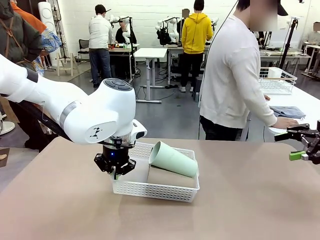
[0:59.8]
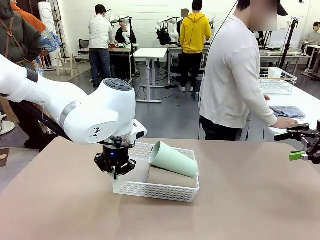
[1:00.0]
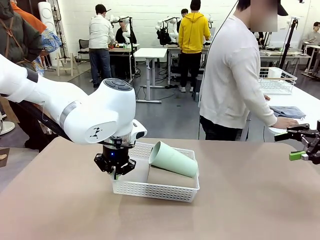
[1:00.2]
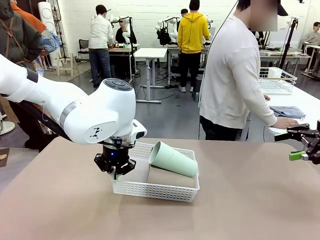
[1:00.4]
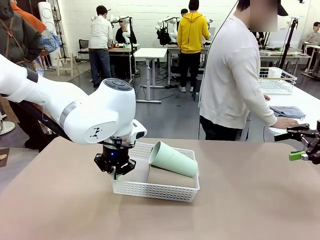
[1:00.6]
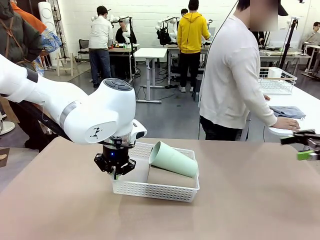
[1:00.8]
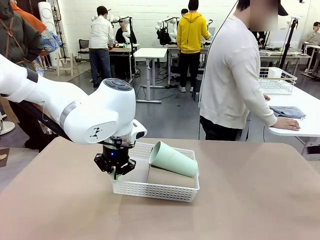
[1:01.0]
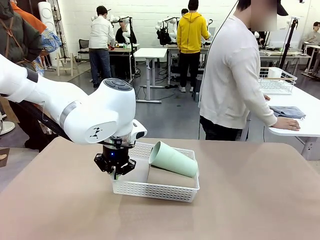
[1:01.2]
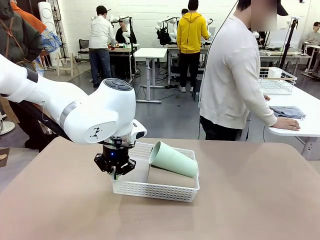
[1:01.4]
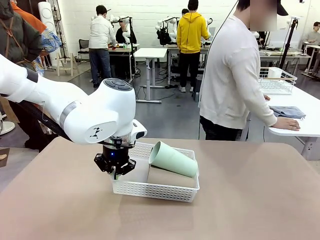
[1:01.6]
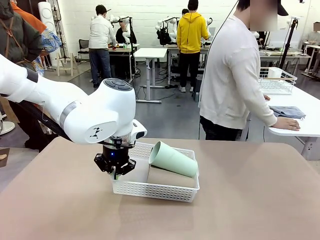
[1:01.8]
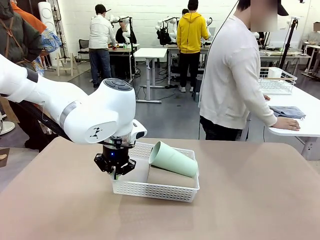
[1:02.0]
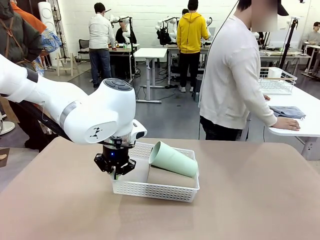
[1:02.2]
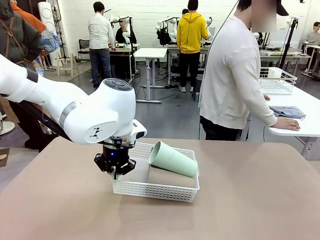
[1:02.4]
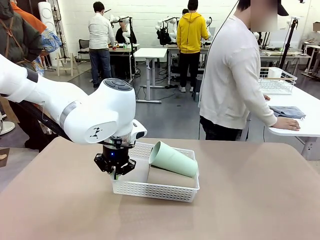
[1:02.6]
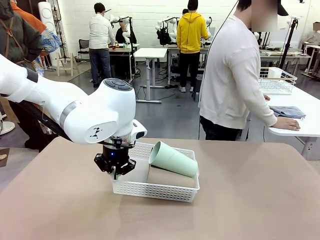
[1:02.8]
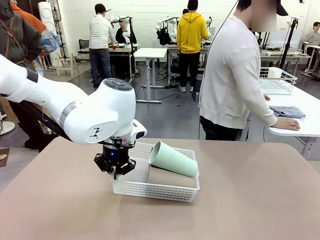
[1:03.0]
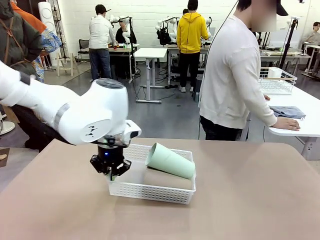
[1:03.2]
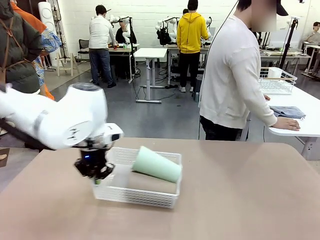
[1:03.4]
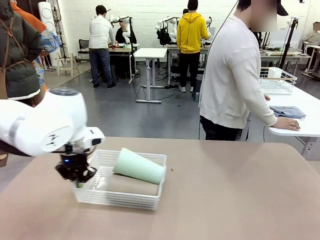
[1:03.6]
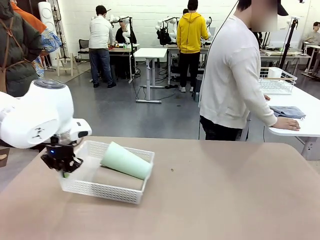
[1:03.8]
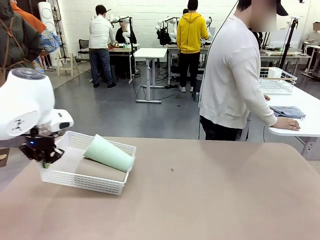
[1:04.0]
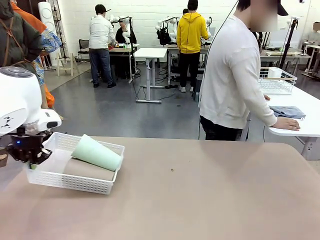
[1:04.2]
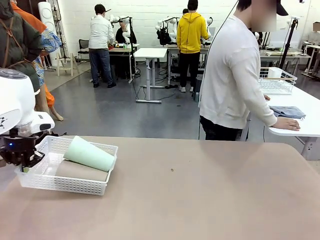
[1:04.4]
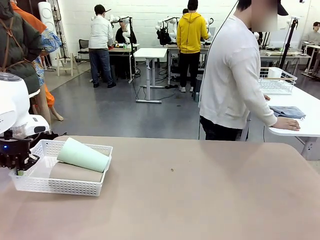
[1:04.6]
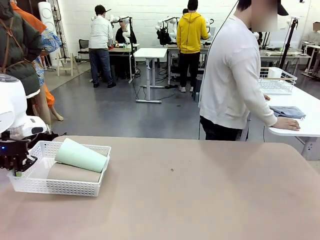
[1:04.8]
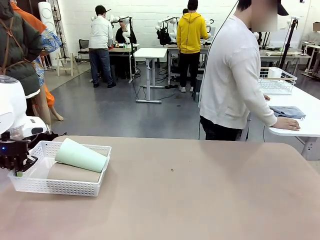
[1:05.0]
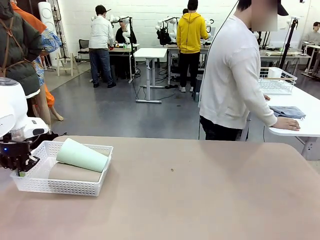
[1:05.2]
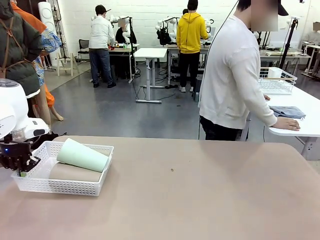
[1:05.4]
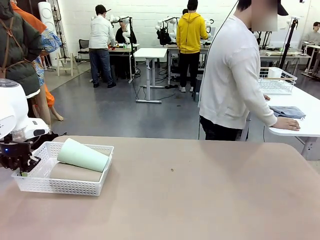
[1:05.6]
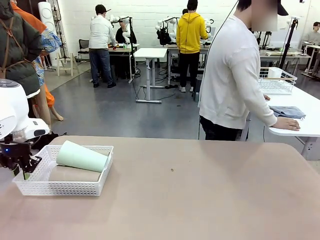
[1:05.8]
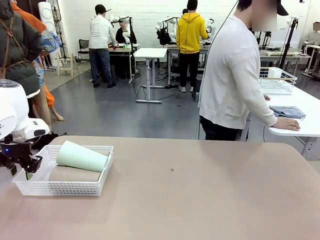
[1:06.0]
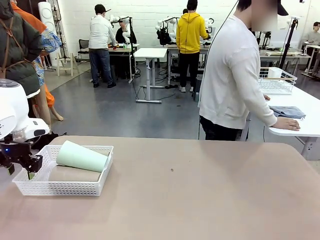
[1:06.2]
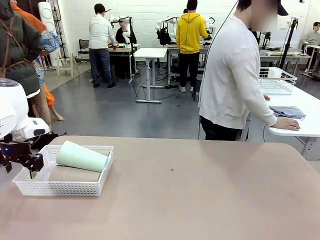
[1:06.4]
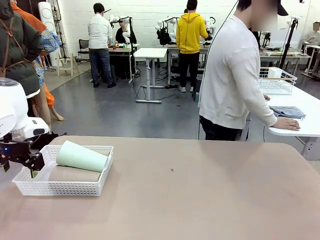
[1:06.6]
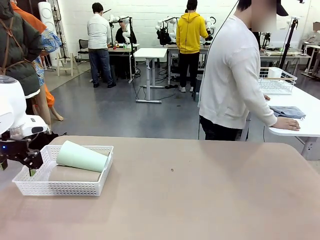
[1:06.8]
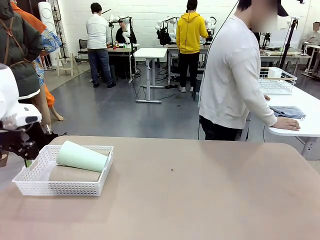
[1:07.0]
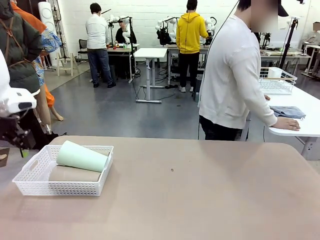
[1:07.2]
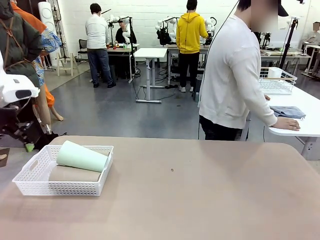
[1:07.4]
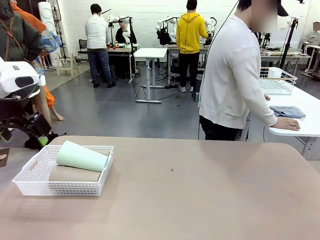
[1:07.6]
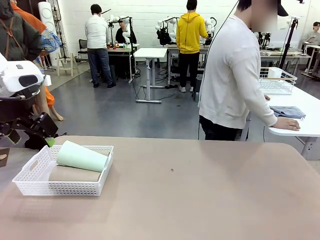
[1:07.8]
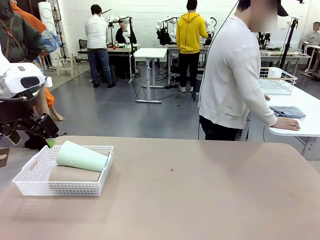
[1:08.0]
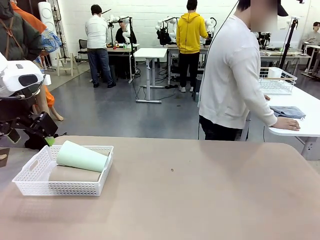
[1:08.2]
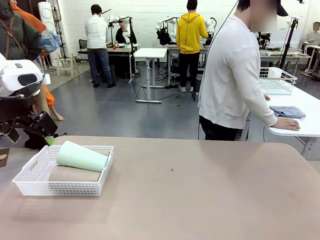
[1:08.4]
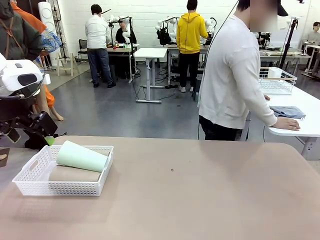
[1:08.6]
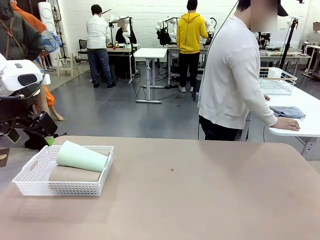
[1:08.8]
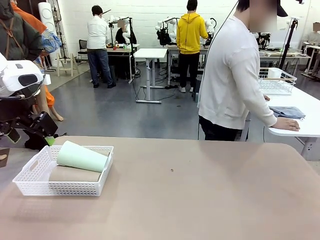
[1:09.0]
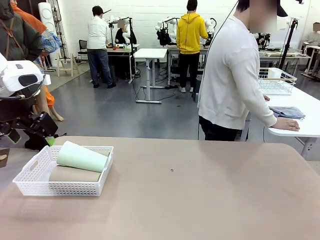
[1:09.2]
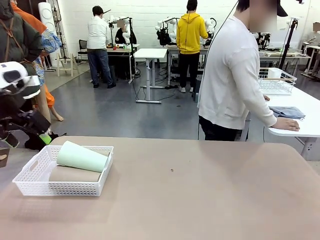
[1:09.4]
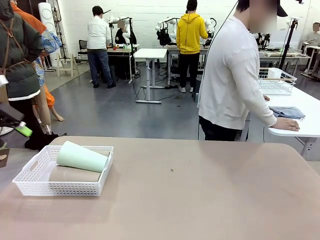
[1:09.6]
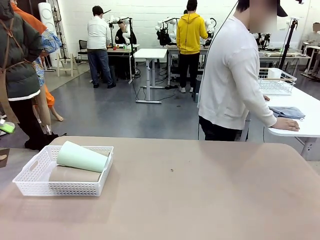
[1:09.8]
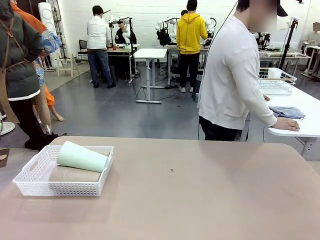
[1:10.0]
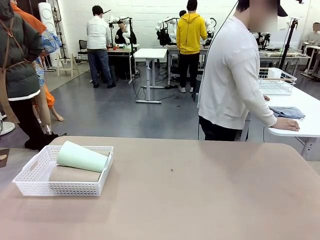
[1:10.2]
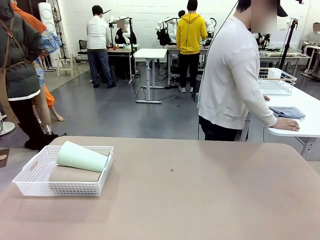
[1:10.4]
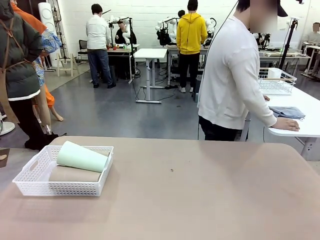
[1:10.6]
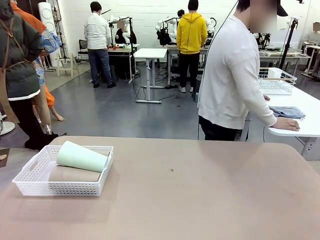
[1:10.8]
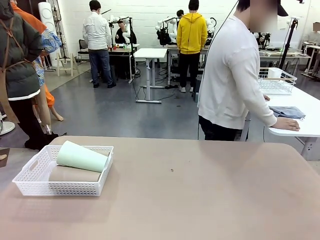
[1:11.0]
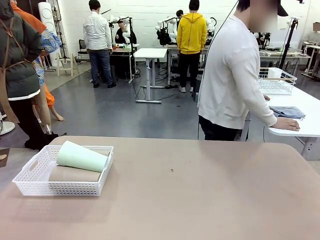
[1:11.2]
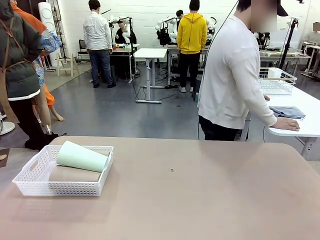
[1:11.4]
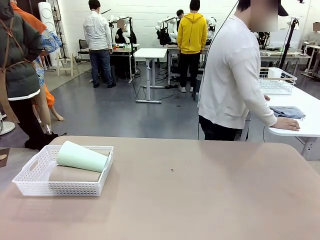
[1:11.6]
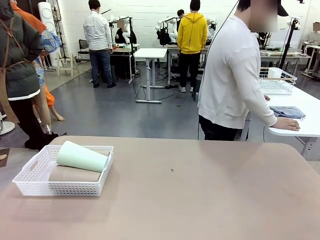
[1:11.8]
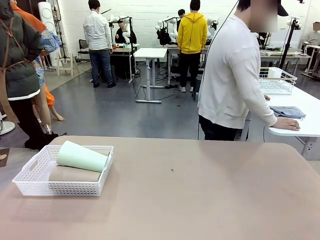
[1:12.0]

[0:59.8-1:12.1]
Task: Clean and organize the cups into the basket.
Robot: Move the Organizing basket back to the left side of the table.
Person: Folds the towel in half twice and places it in the right of the table.

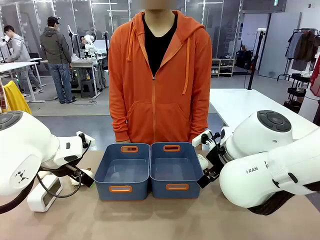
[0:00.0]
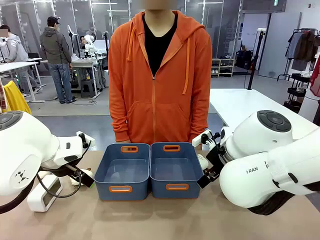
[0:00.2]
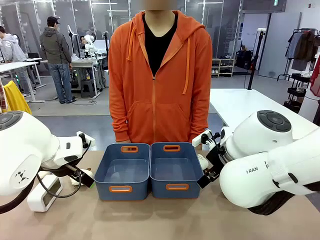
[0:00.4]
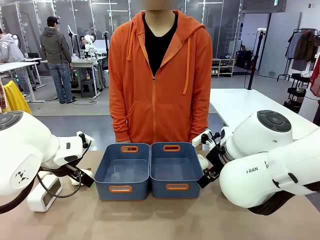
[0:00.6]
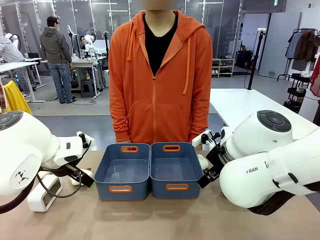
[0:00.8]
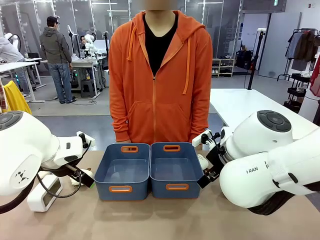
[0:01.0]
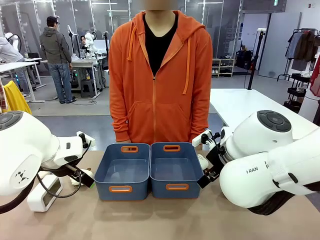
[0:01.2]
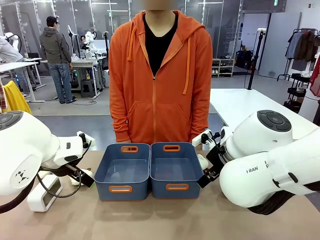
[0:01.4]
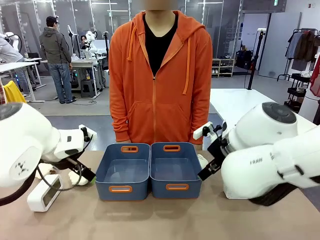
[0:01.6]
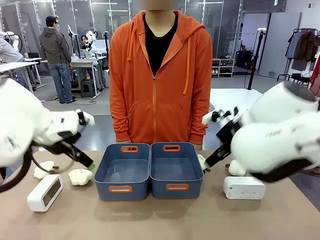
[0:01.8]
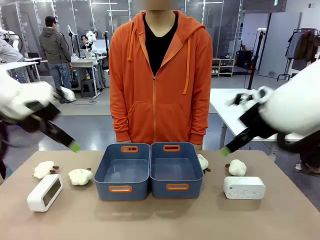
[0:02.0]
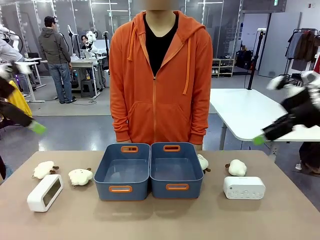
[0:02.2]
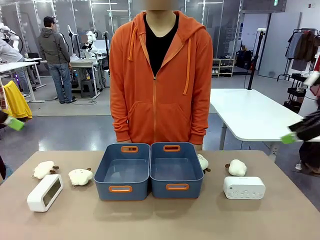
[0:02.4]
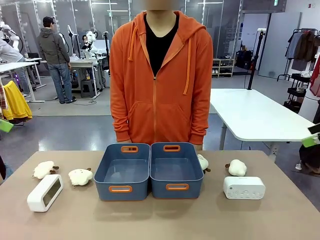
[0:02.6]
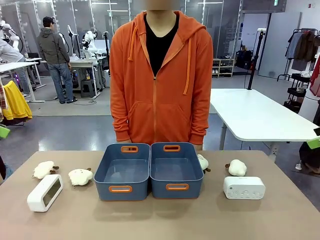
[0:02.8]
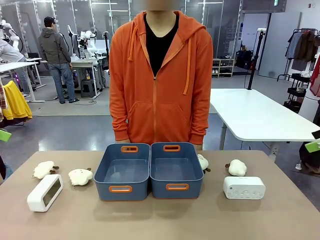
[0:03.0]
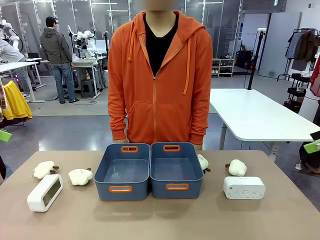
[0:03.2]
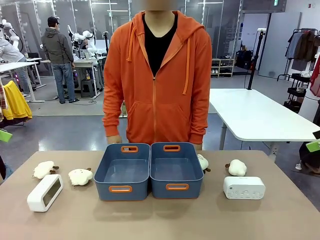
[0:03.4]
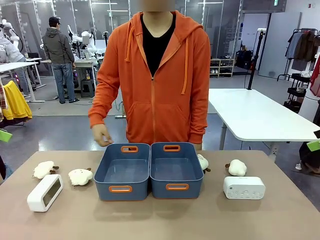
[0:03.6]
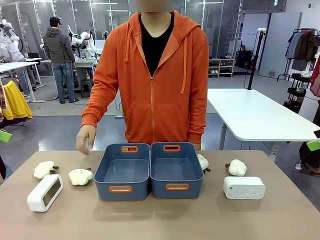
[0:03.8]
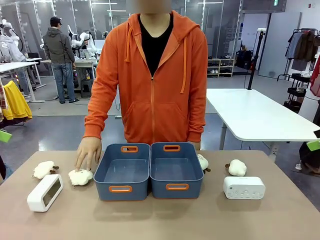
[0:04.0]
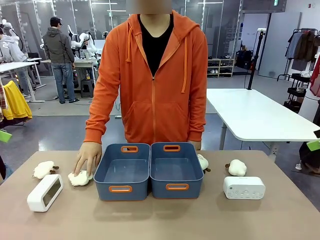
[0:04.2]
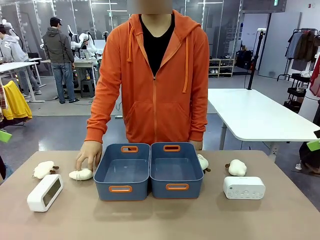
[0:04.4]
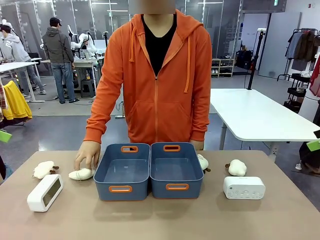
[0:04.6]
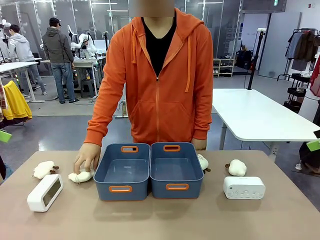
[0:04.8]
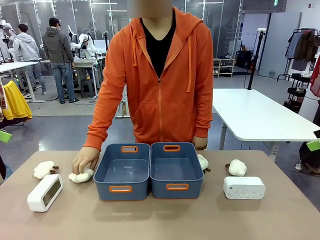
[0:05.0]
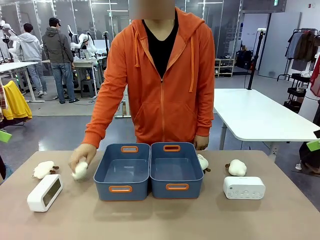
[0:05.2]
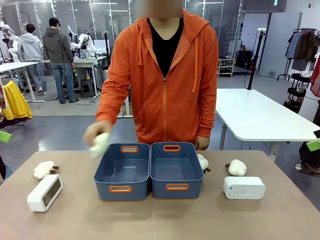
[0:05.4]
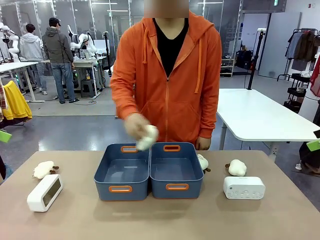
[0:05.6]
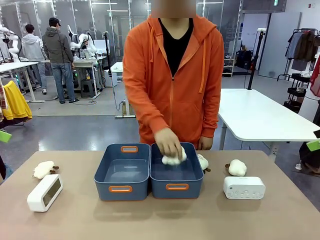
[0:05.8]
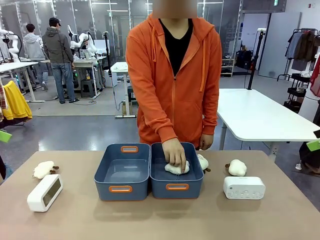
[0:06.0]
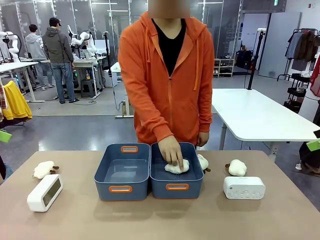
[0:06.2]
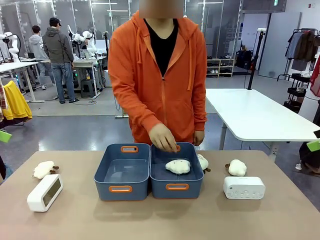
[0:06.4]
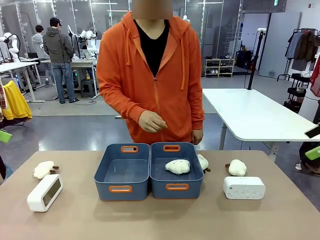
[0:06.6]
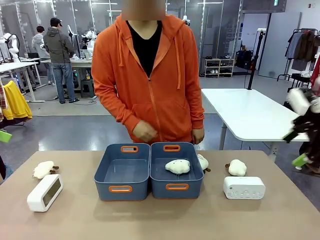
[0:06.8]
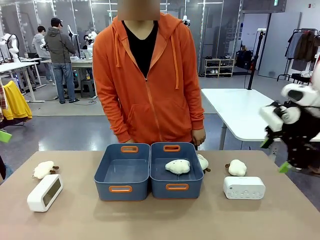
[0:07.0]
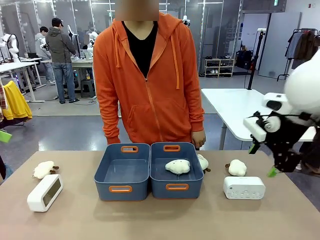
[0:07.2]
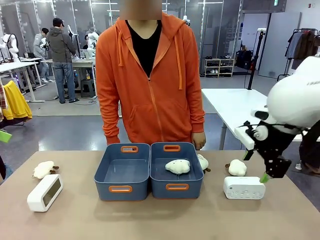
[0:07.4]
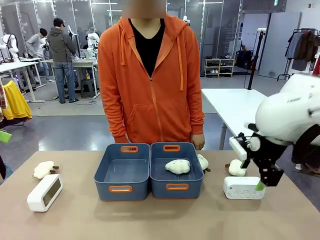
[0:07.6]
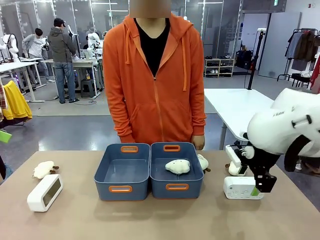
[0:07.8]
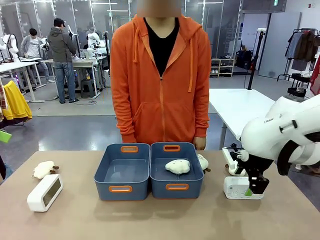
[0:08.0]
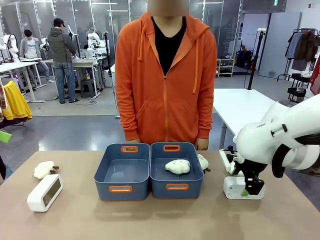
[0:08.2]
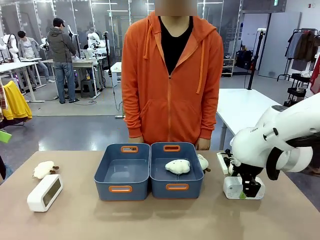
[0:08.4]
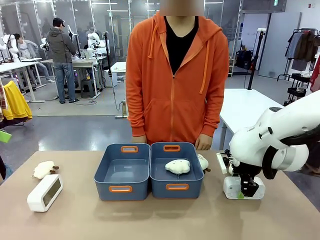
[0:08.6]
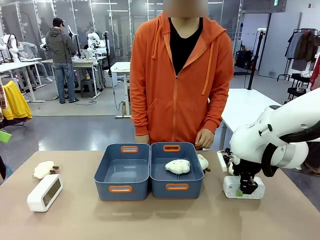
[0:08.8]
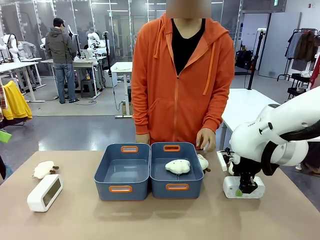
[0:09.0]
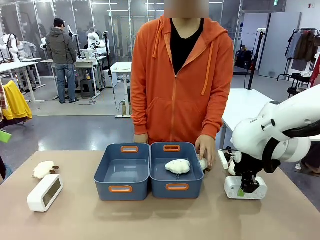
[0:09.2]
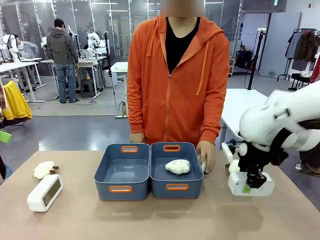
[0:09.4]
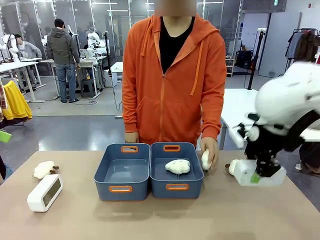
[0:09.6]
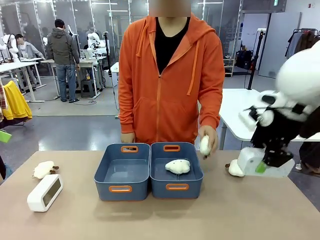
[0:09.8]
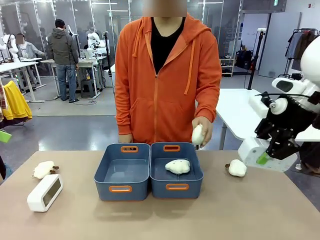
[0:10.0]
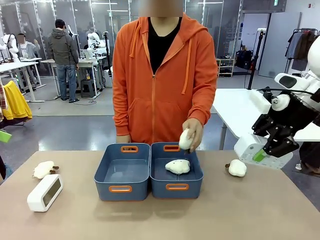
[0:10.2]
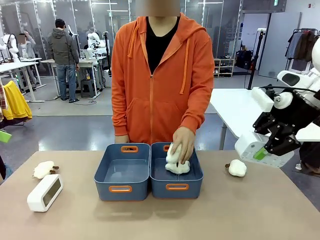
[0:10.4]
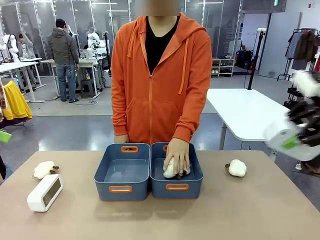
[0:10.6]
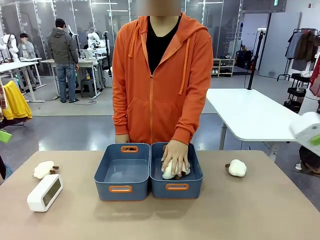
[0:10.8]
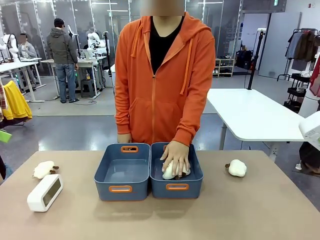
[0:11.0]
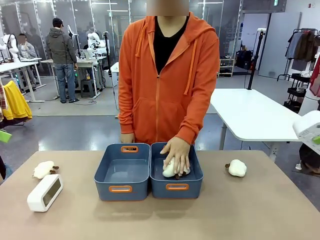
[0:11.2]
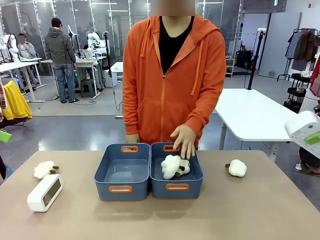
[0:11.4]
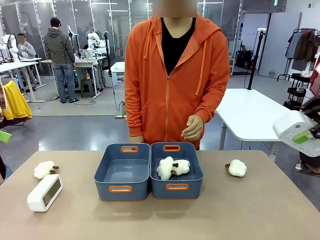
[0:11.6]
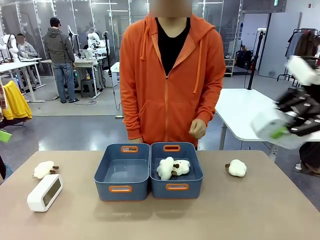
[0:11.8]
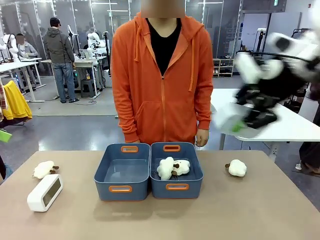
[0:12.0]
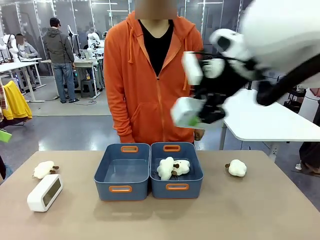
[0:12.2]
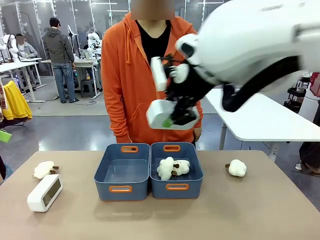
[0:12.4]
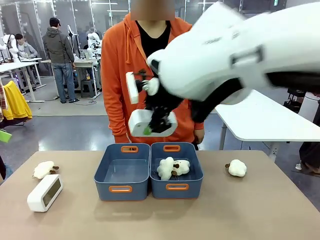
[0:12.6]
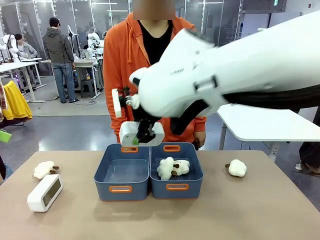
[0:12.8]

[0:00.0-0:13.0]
Task: Sort the digital clocks into the basket.
Robot: Pick up the Digital clock from the table and place it into the empty Plastic storage basket.
Person: Pick up a plush toy from the table and place it in a plastic storage basket.
